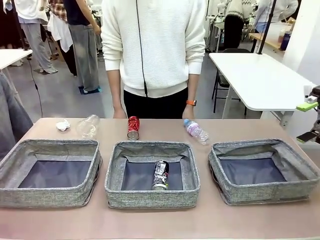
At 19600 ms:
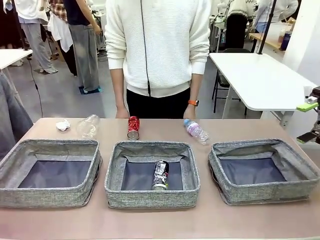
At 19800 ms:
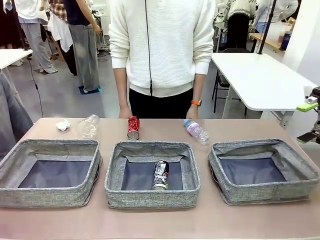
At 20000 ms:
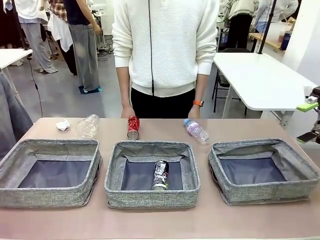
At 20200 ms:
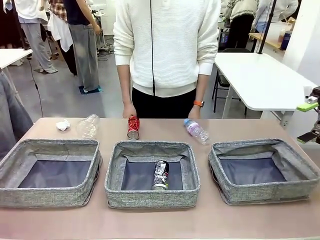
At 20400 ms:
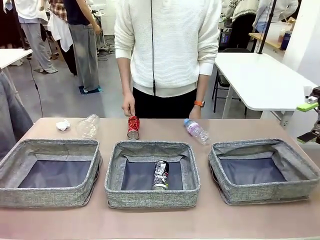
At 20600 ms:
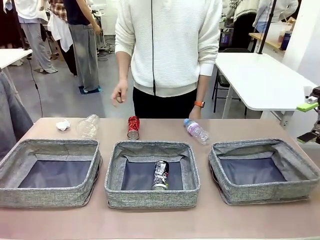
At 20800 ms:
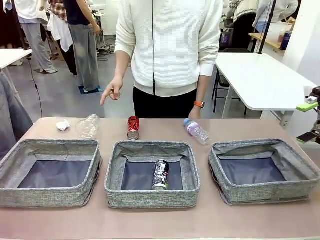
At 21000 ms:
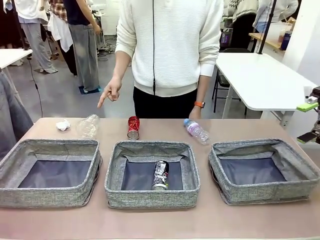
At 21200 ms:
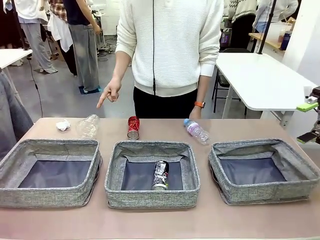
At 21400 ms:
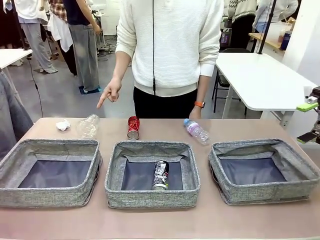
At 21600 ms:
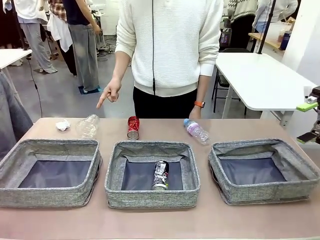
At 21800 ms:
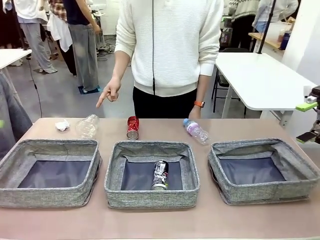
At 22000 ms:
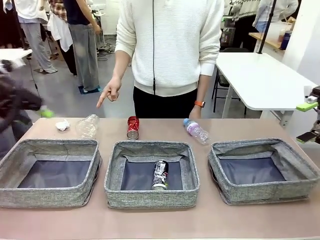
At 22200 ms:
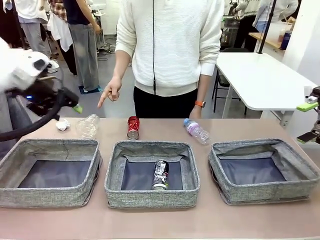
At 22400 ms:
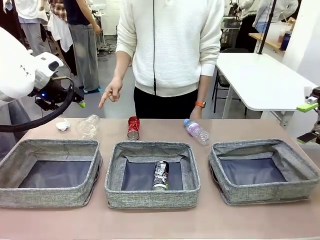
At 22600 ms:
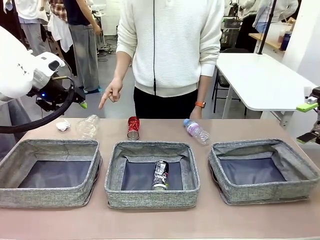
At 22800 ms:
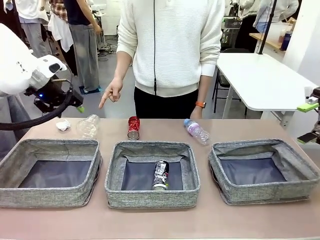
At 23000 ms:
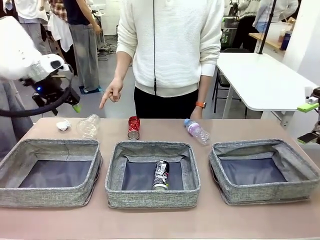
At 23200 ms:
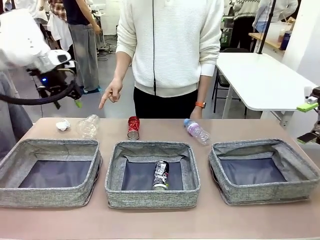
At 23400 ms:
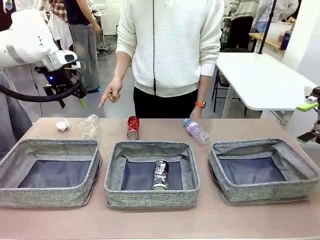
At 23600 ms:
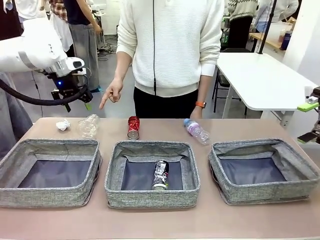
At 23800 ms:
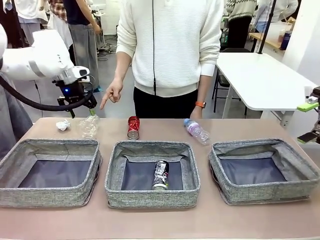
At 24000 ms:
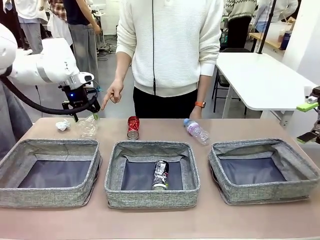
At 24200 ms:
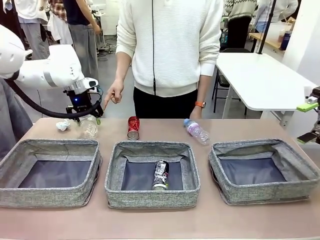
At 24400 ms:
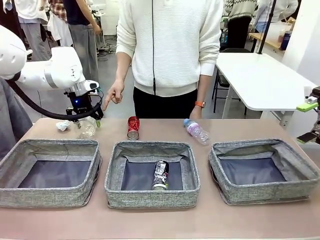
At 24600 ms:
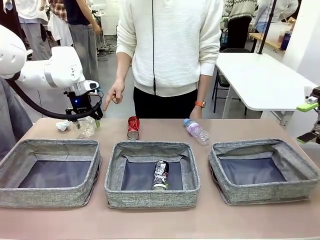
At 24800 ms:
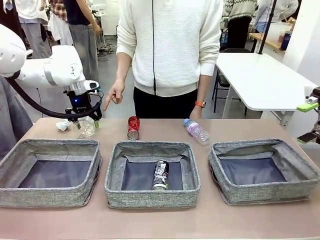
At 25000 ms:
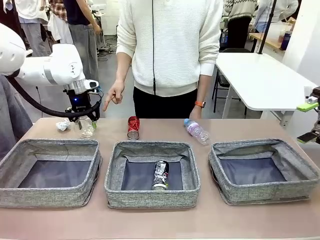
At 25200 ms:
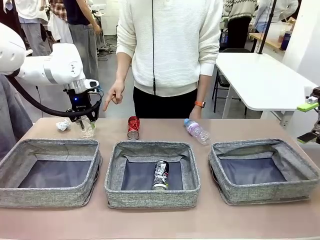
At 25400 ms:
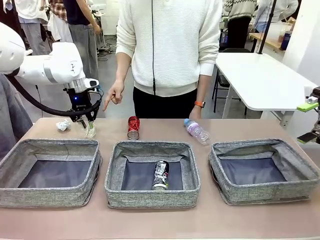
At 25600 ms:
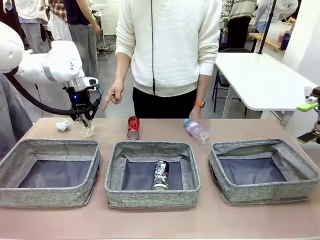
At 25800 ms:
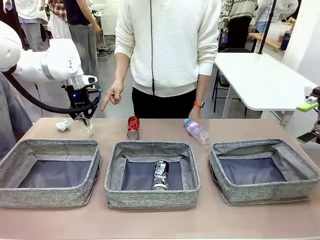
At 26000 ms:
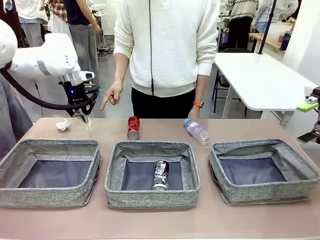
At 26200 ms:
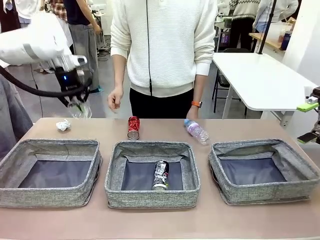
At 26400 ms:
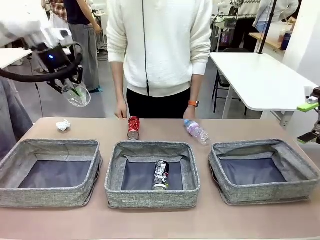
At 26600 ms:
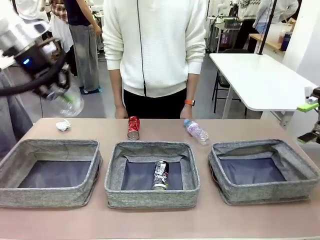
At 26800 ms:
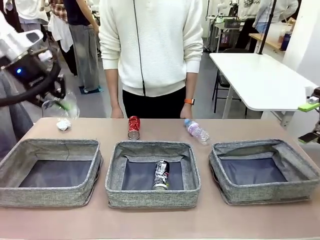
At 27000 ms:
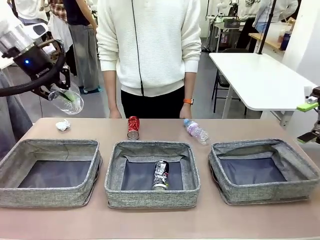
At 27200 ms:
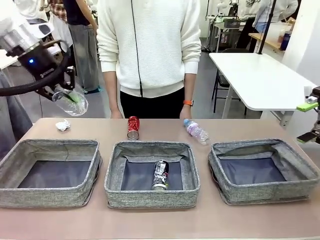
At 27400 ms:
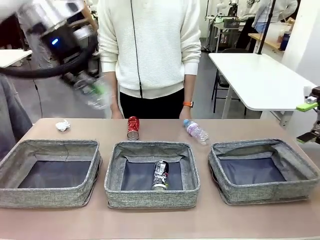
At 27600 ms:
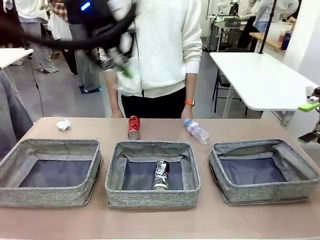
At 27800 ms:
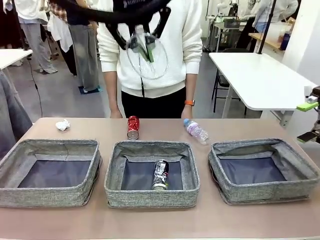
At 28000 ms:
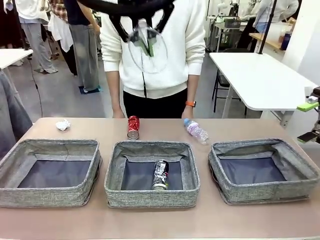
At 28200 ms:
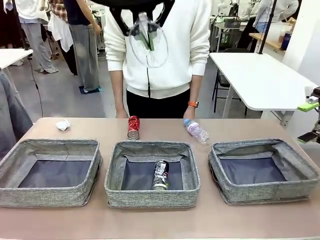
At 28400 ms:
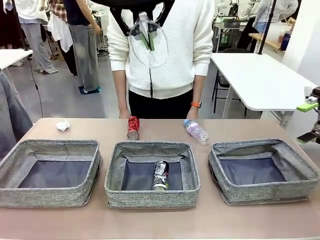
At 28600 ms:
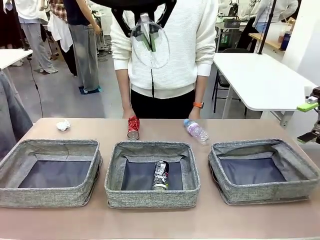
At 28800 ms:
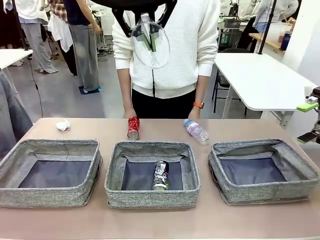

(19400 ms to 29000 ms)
Task: Sort the waste into the appropriate baskets.
Robot: Pick up the waste item pointed out by the person.
Person: Points to one piece of trash on the table.

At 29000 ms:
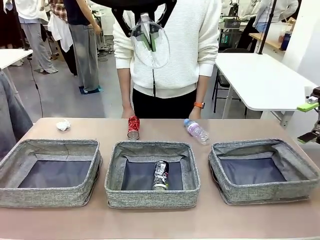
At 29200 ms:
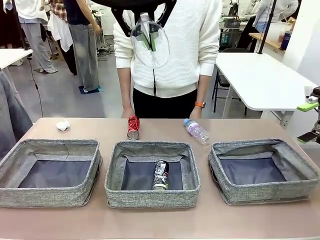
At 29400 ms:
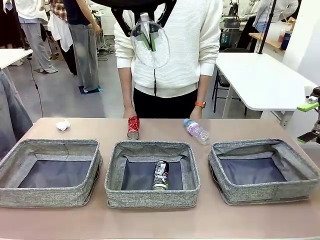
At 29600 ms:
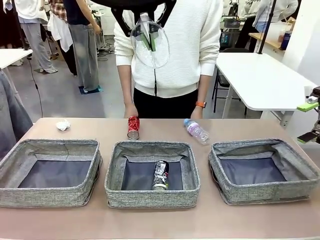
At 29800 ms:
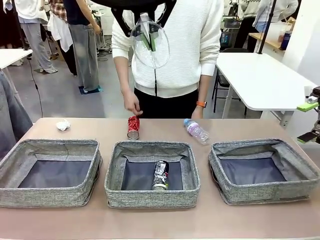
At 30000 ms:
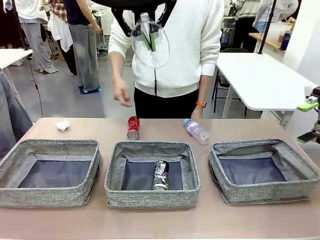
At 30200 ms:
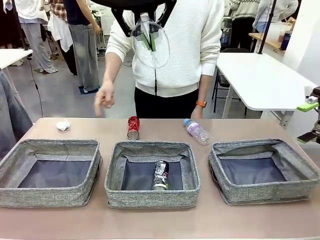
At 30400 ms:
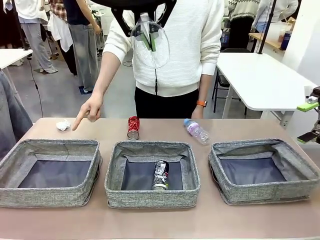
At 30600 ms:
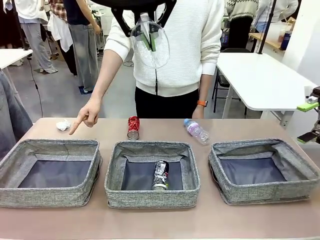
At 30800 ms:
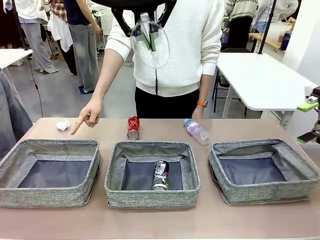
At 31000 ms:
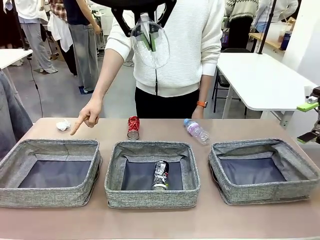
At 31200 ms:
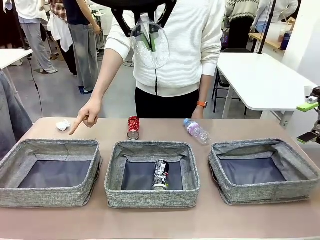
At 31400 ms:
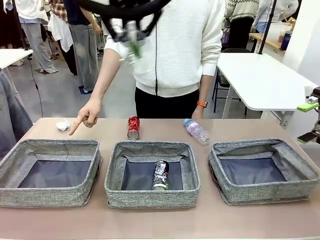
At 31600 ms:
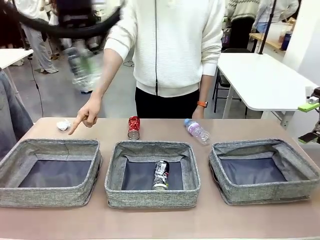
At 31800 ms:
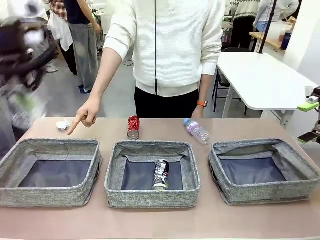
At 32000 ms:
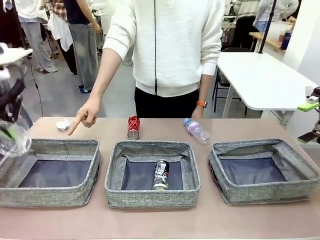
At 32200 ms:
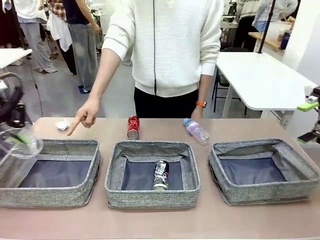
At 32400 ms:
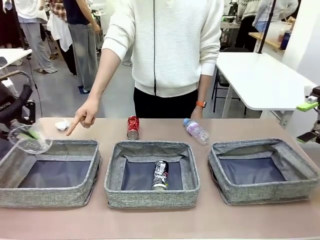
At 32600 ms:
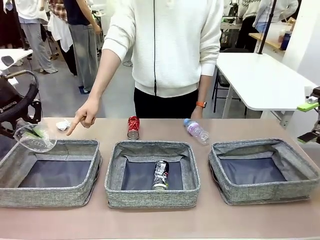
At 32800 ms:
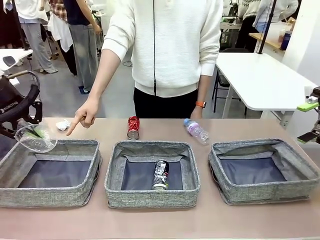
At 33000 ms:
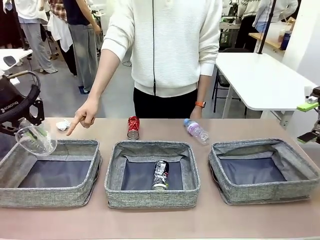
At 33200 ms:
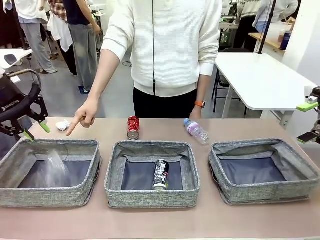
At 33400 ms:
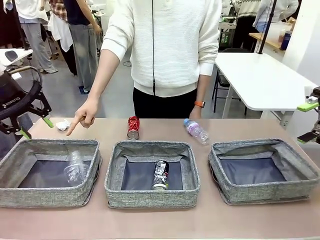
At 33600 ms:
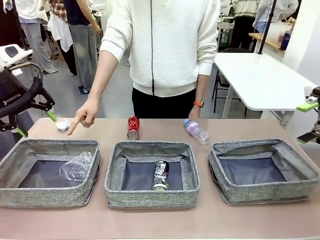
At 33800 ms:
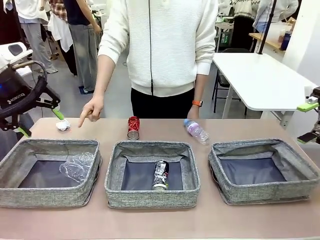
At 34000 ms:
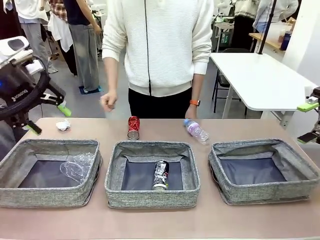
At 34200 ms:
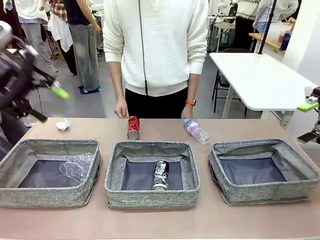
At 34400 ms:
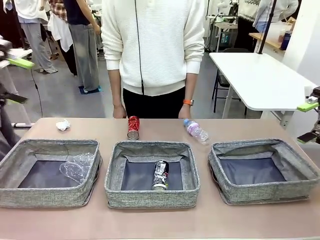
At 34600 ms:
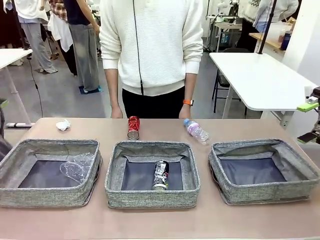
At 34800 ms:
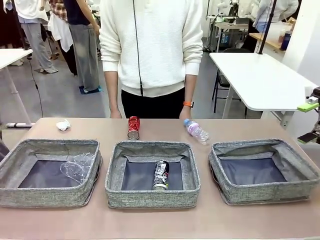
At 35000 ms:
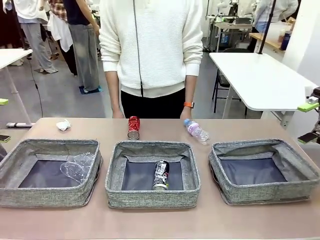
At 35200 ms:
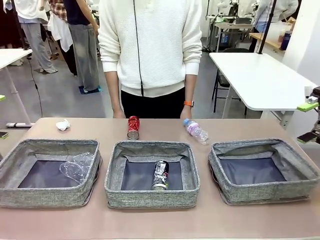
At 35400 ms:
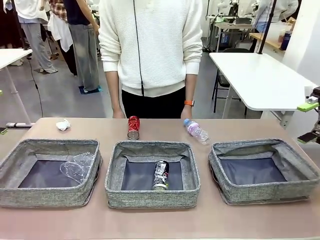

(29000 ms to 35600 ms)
Robot: Place the picked waste into the Fabric basket indicated by the person.
Person: Instructs the robot to place the picked-up trash into the appropriate organizing basket.

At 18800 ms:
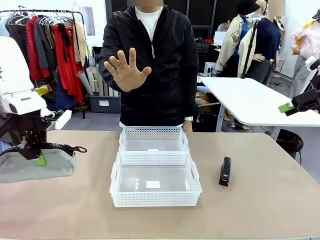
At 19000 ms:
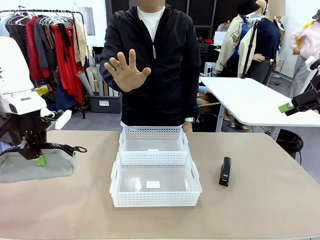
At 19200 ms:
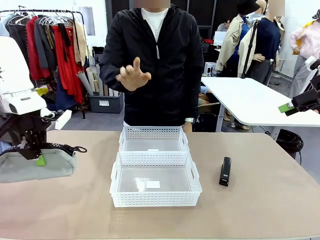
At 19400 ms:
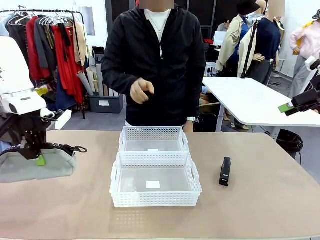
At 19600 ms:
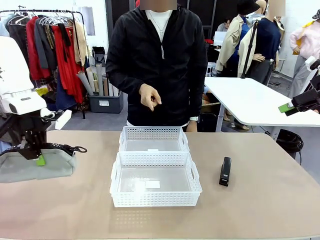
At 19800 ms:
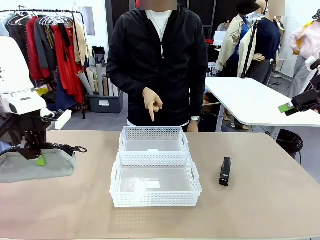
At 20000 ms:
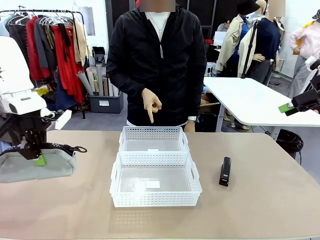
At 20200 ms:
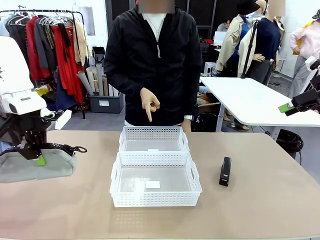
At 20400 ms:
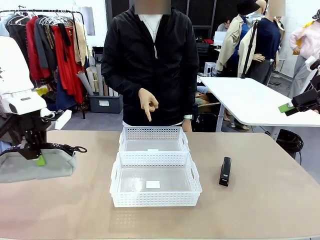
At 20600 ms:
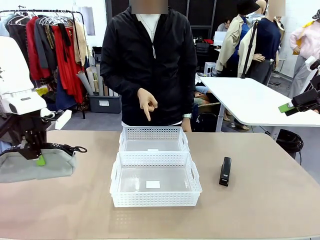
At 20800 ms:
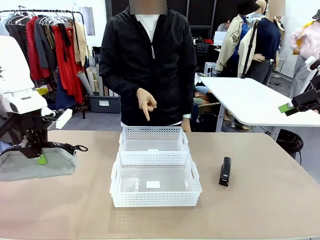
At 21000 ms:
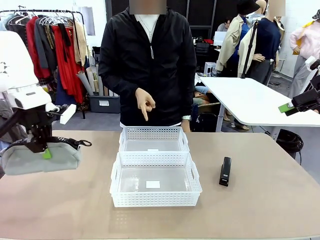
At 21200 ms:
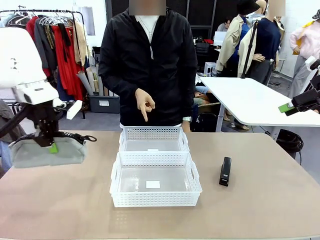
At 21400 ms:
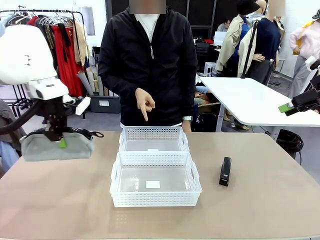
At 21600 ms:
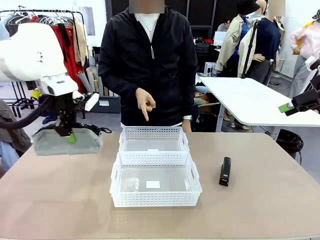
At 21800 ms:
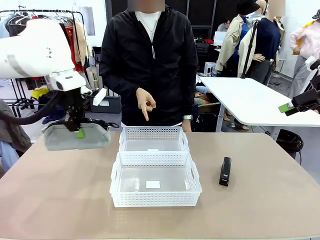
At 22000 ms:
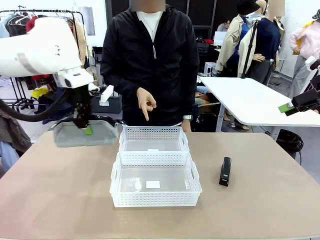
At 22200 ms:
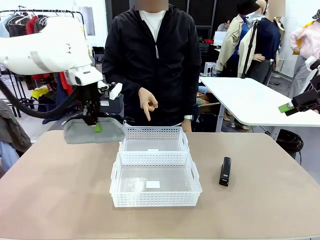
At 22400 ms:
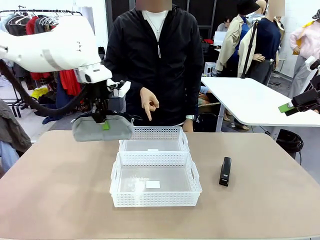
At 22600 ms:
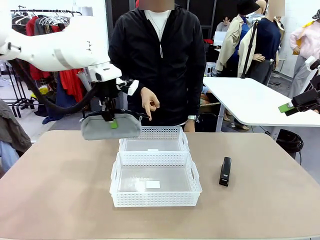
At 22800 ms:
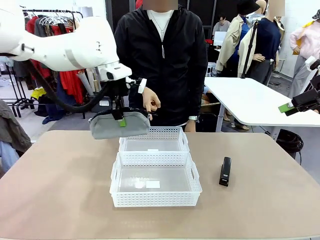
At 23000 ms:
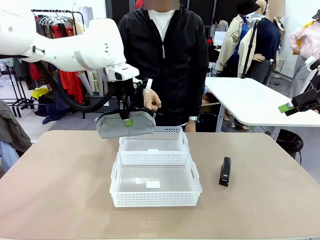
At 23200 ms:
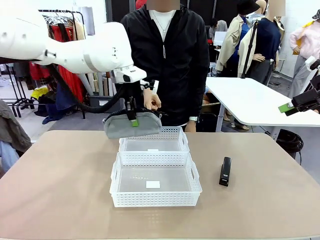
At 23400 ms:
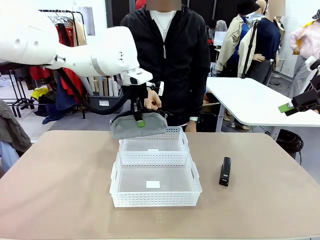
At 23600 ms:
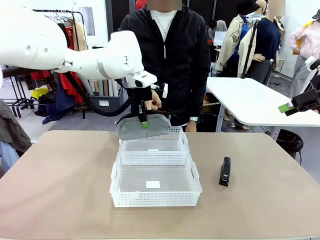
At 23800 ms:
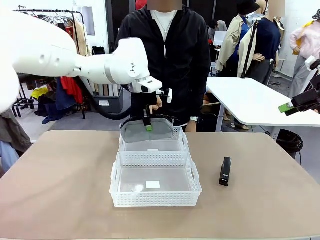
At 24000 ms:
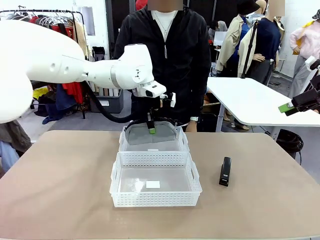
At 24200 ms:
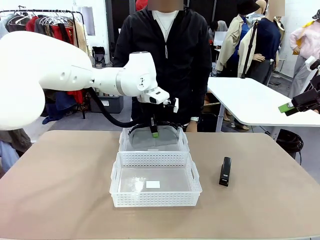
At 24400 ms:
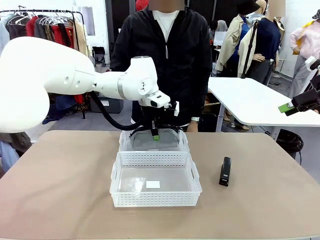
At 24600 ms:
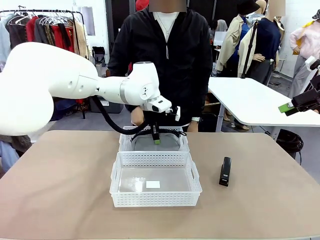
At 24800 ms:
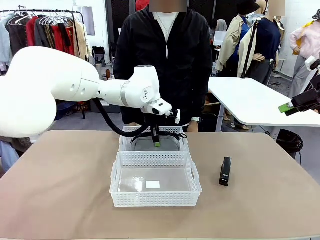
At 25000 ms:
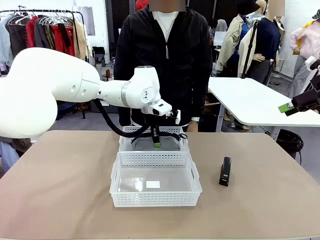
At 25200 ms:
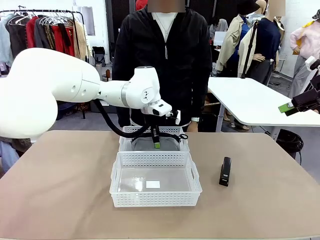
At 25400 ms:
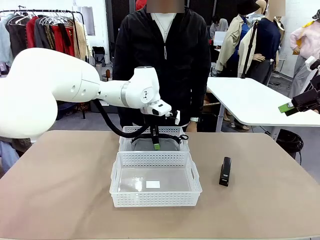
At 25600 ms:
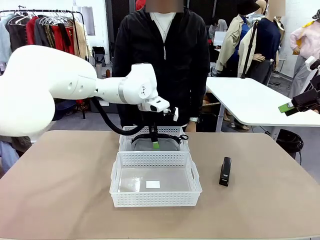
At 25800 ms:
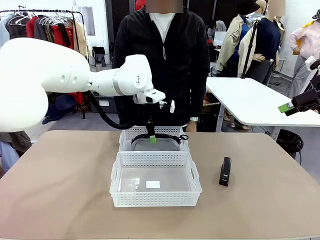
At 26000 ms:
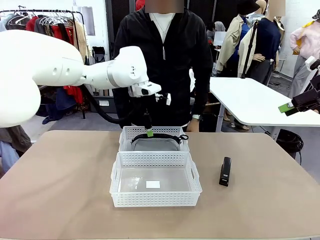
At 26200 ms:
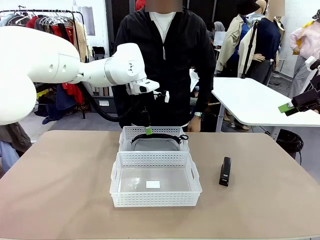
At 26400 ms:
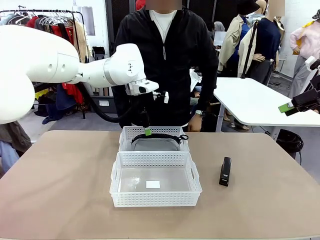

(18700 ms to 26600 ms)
Task: Distribute items into two baskets.
Robot: Place the picked Pencil pouch into the Organizing basket as instructed by the person.
Person: Instructs the robot to place the pencil case into the opposite basket. Points to the stapler.
